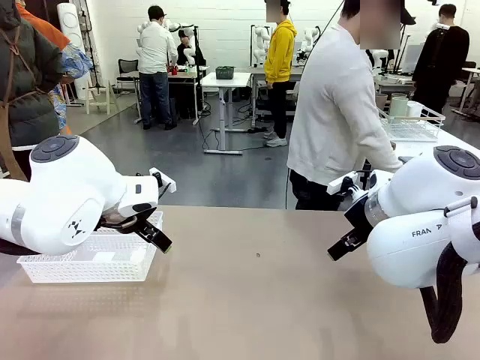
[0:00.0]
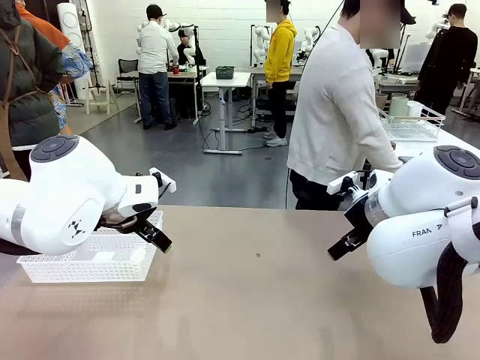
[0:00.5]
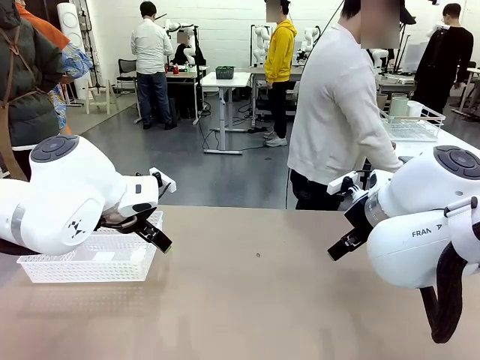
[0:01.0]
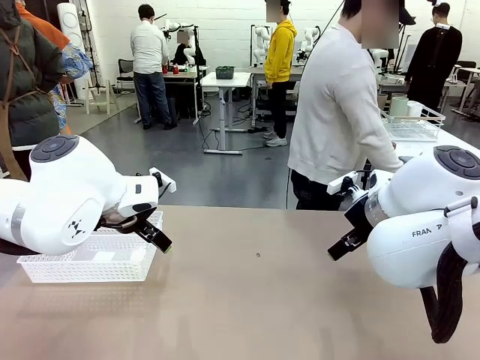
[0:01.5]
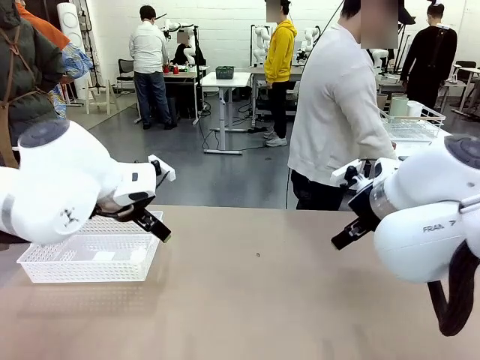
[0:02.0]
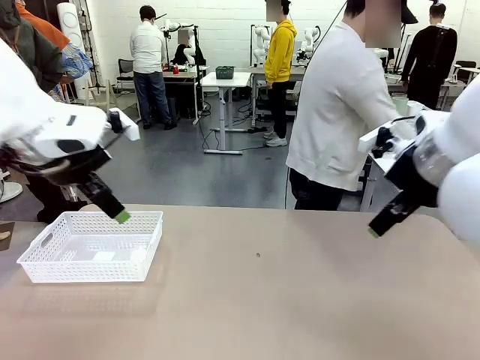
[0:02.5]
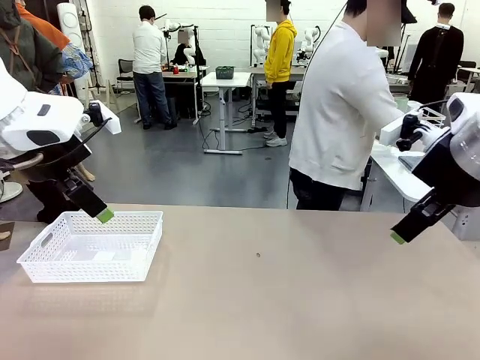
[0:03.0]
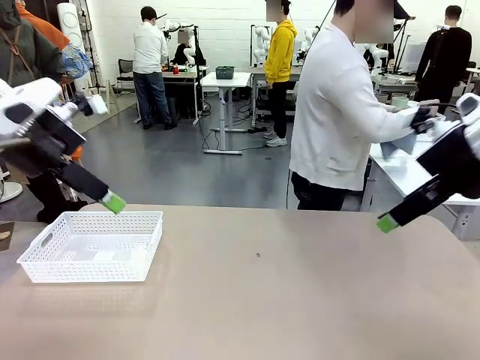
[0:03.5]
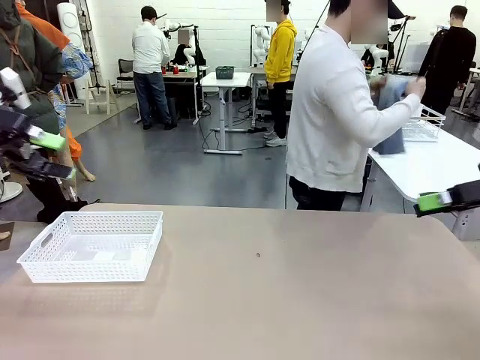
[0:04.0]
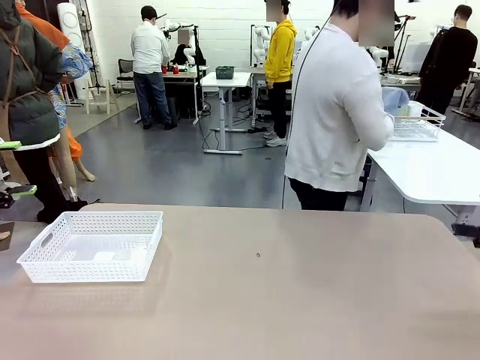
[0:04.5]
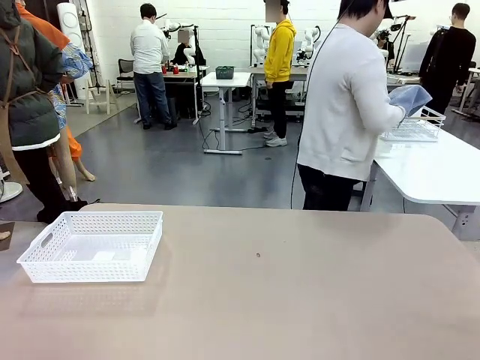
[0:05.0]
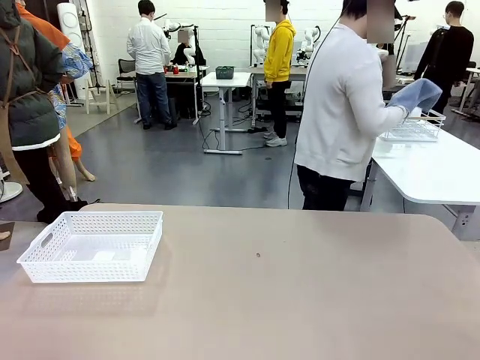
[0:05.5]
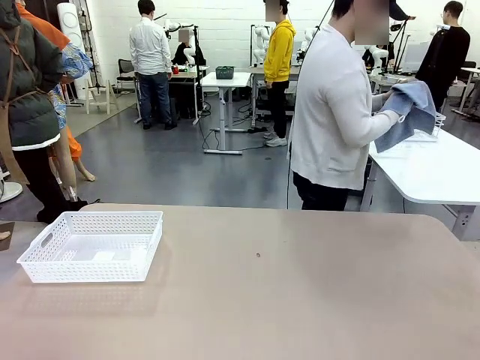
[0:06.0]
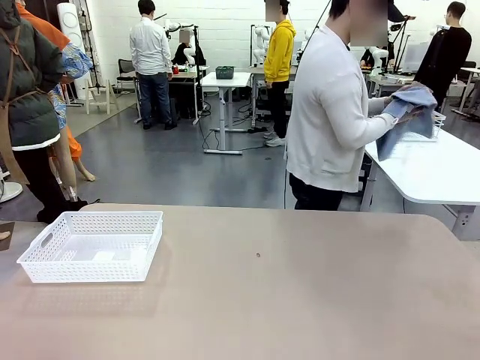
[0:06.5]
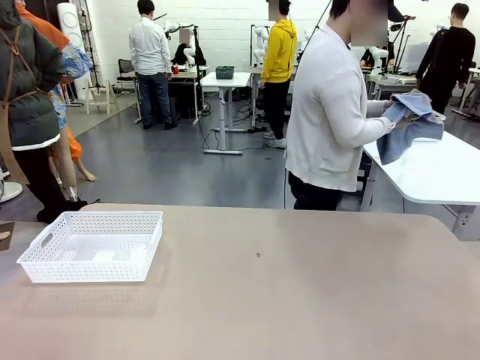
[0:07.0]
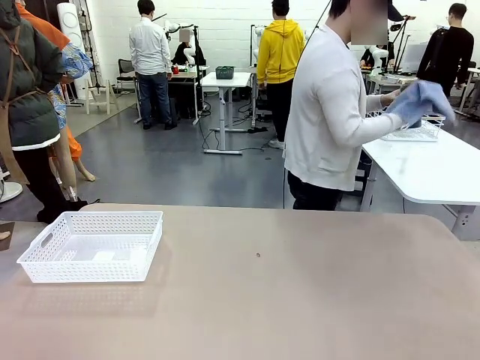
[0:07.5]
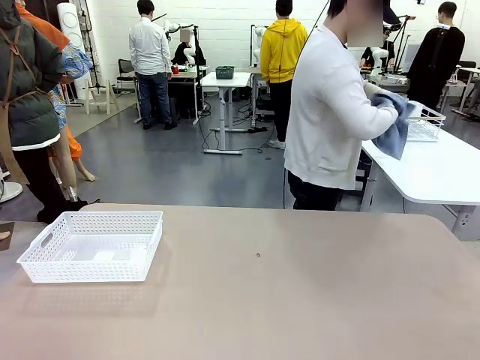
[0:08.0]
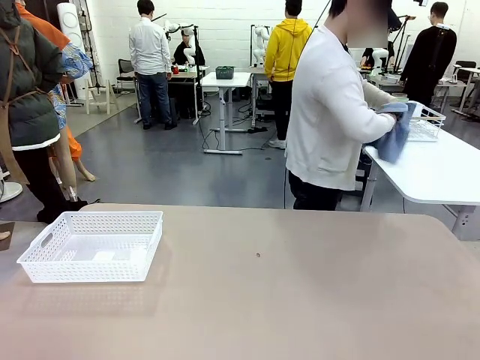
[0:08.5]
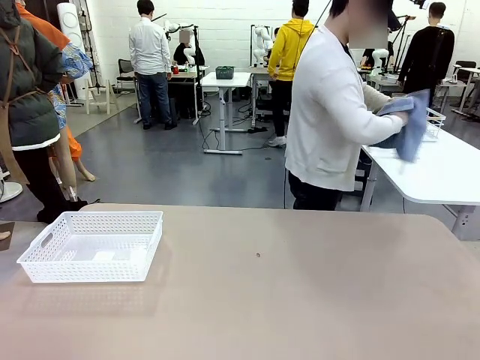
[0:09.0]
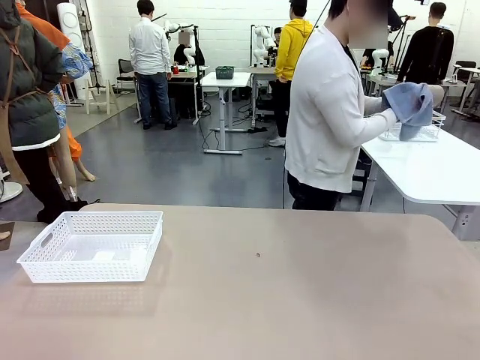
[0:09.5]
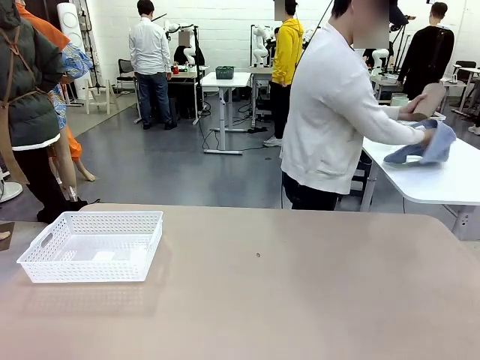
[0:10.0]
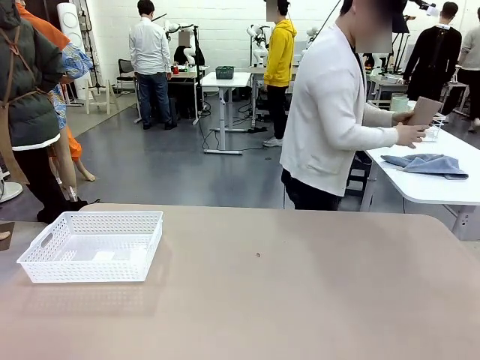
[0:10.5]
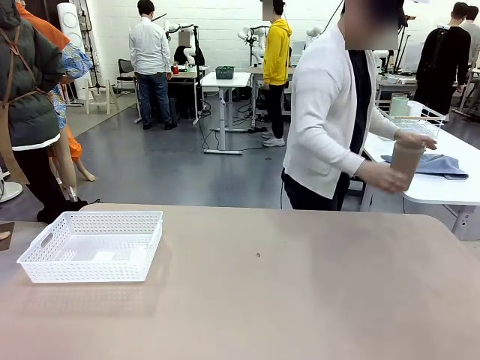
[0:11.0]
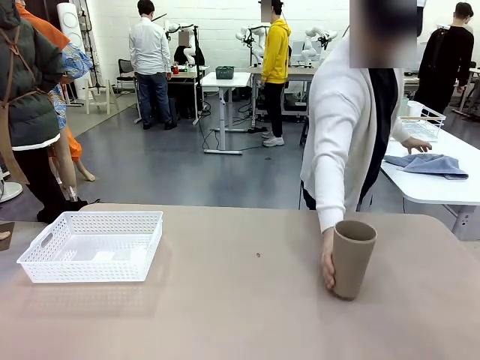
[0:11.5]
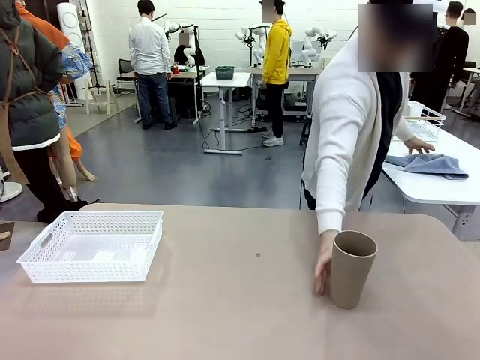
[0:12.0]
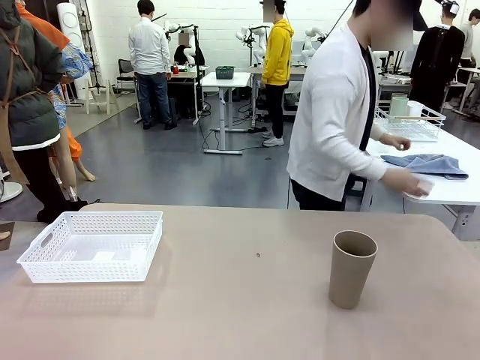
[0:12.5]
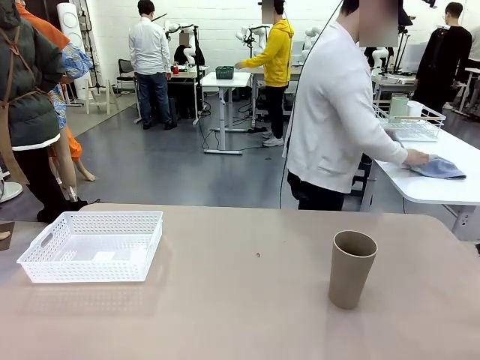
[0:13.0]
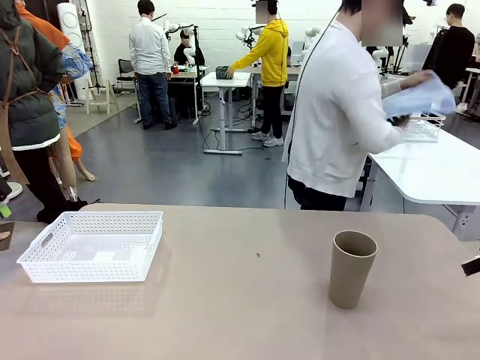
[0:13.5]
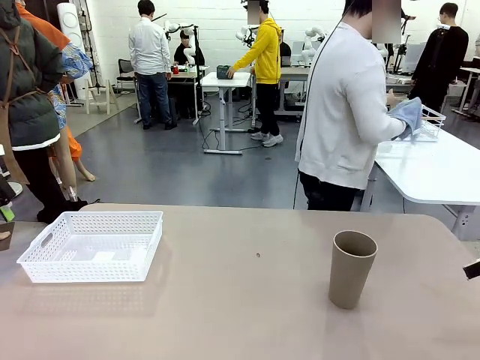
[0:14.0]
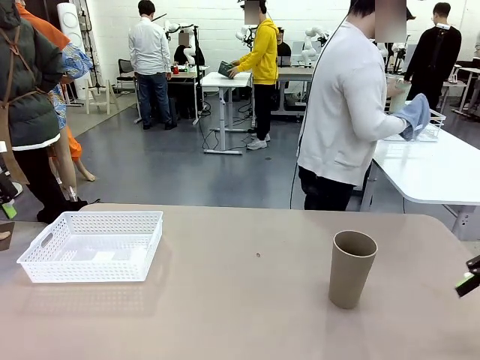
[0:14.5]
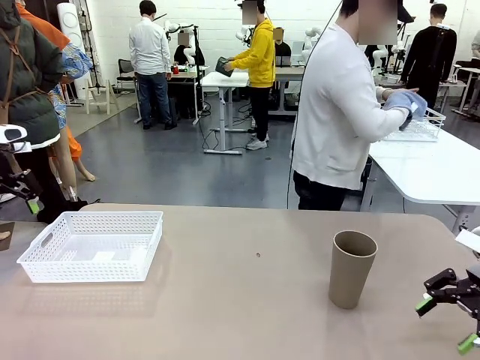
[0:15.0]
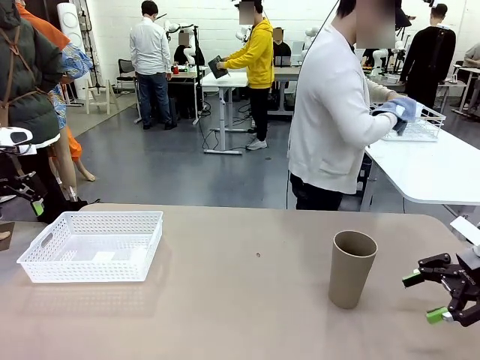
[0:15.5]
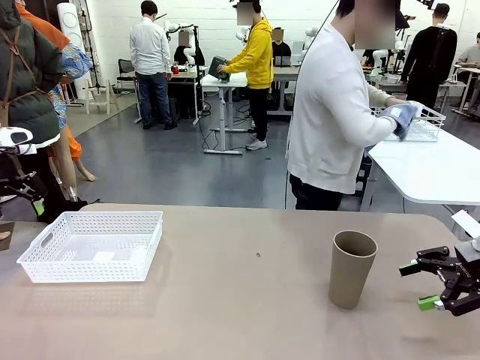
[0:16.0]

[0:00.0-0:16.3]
Task: Clean and organize the cups into the basket.
Robot: Pick up the Organizing basket and move it to the center of the table, then pick up the Reusable plastic cup from the right side of the table and place it inside the Organizing basket.
Person: Picks up a cup and a towel, cleans the cup with the towel, and places it on the left side of the robot table.

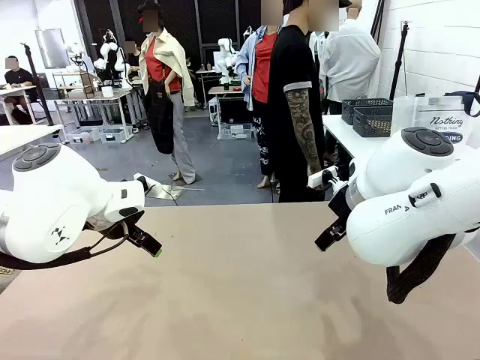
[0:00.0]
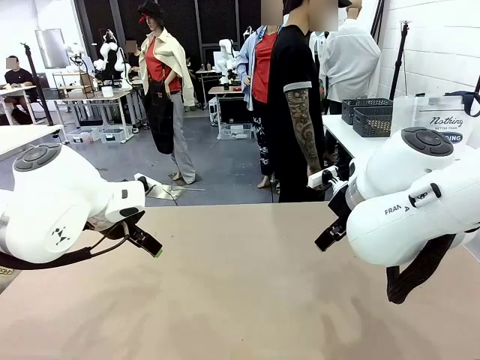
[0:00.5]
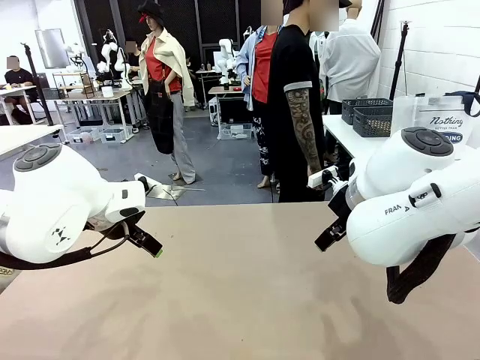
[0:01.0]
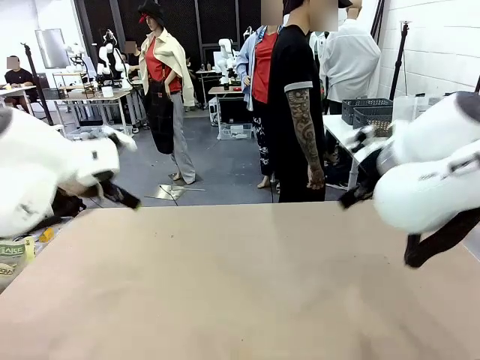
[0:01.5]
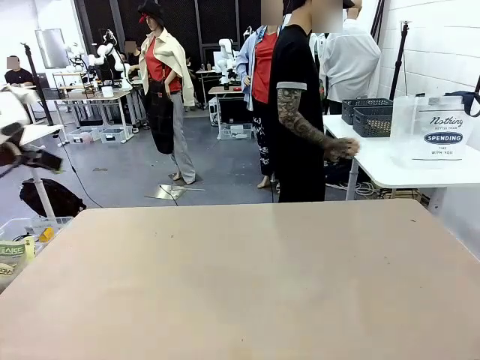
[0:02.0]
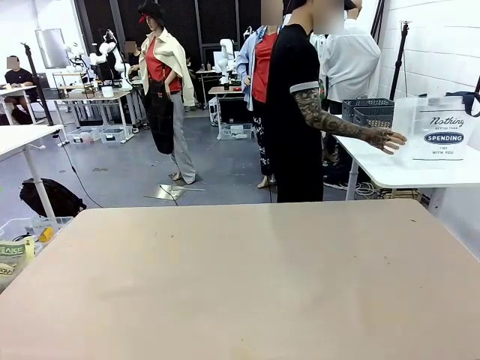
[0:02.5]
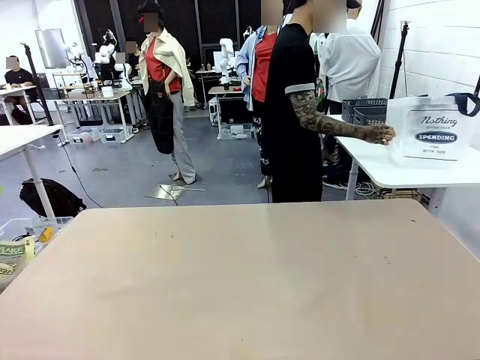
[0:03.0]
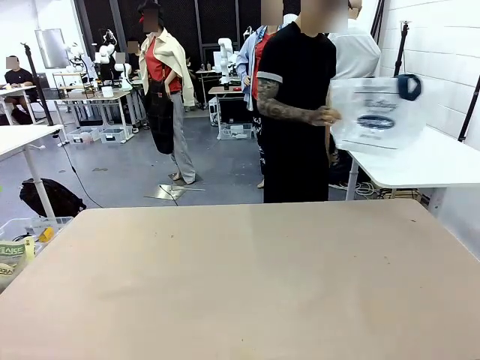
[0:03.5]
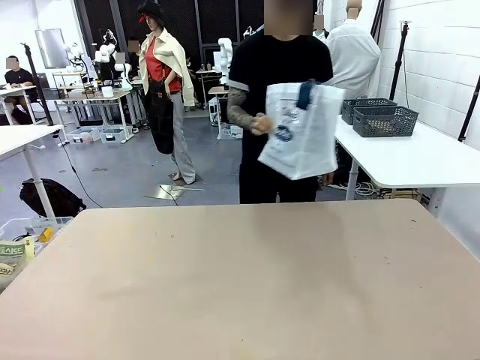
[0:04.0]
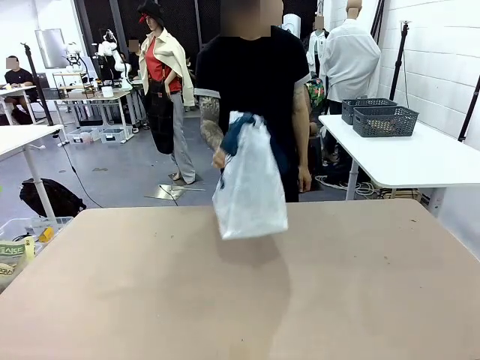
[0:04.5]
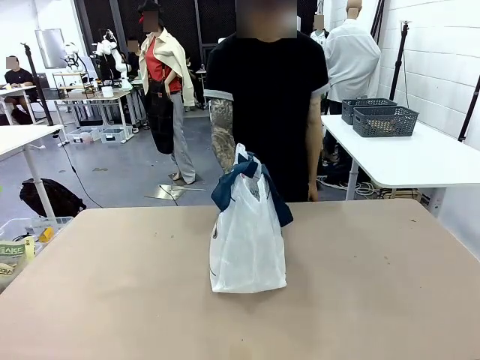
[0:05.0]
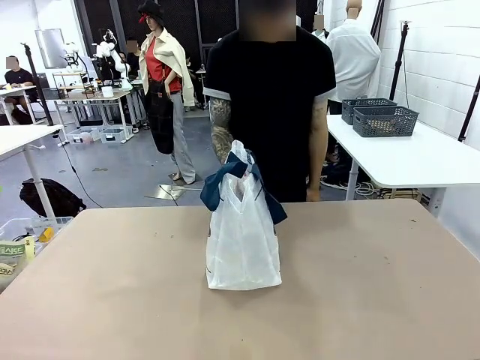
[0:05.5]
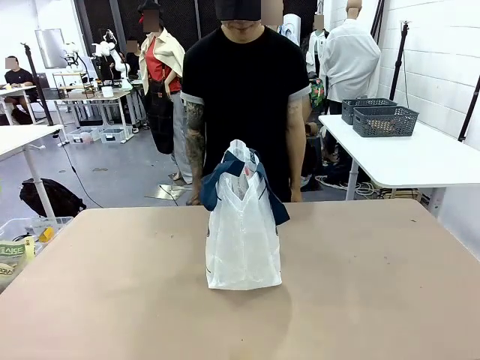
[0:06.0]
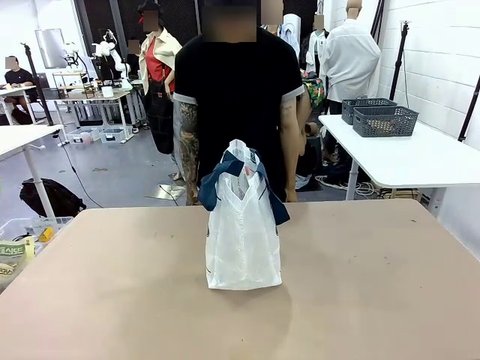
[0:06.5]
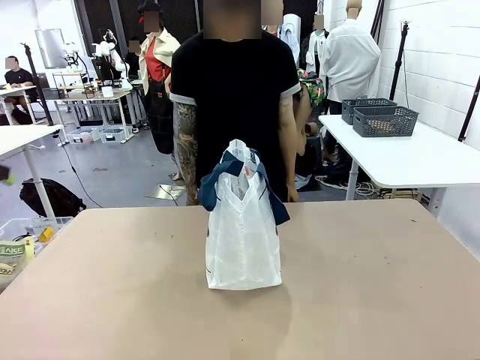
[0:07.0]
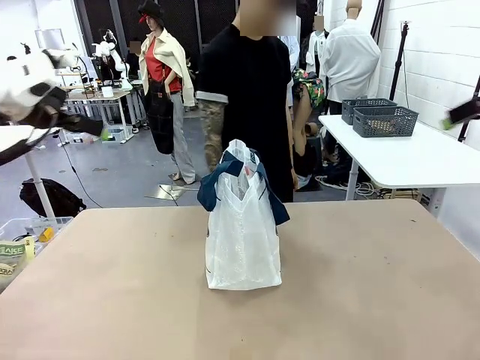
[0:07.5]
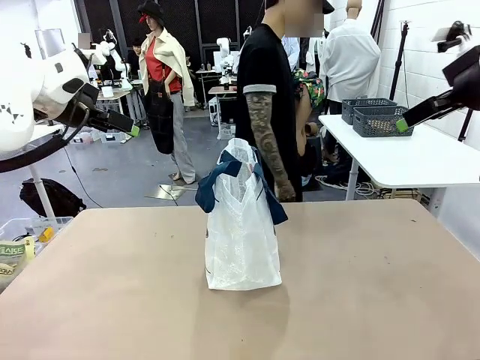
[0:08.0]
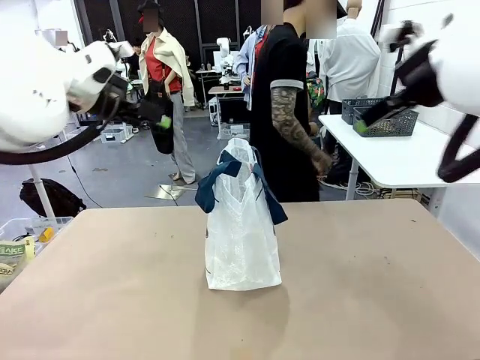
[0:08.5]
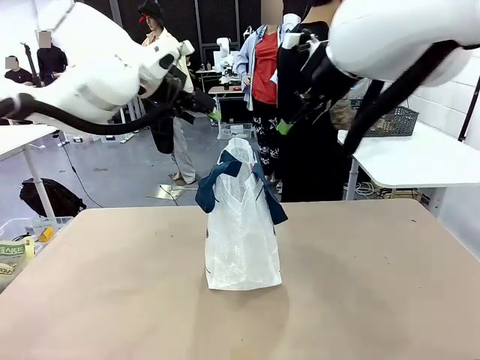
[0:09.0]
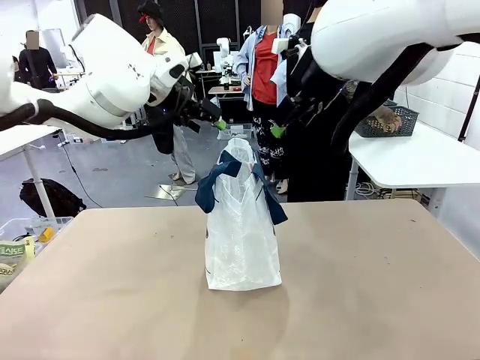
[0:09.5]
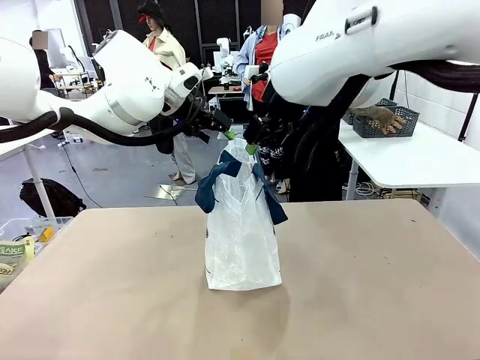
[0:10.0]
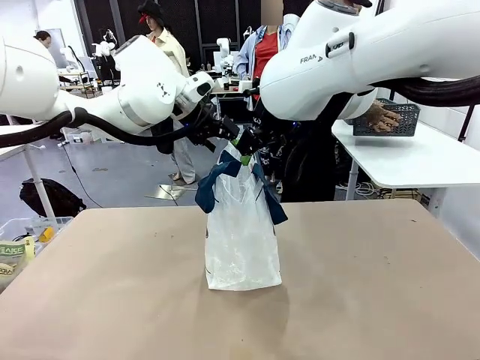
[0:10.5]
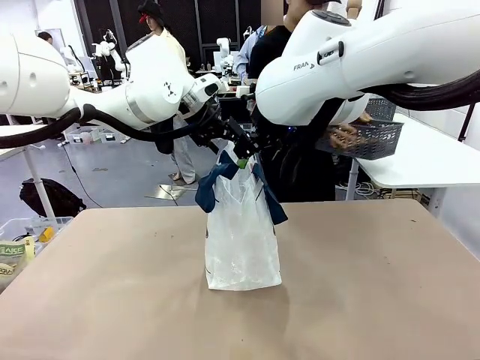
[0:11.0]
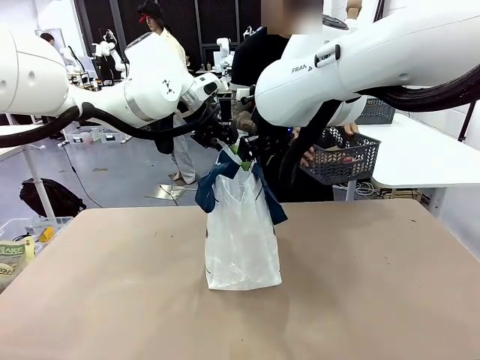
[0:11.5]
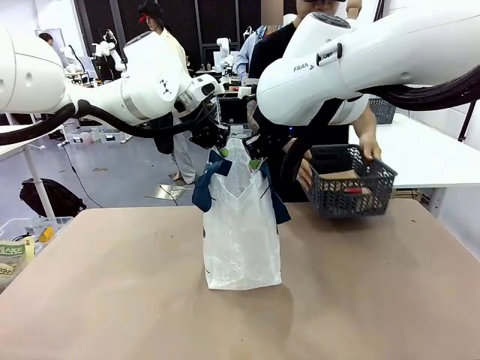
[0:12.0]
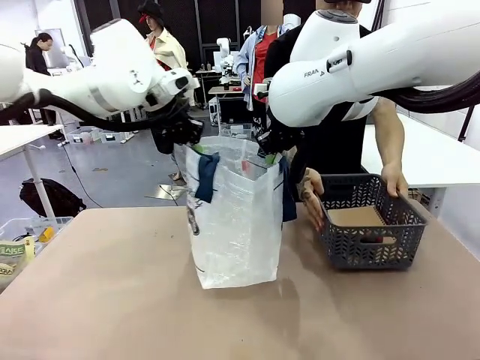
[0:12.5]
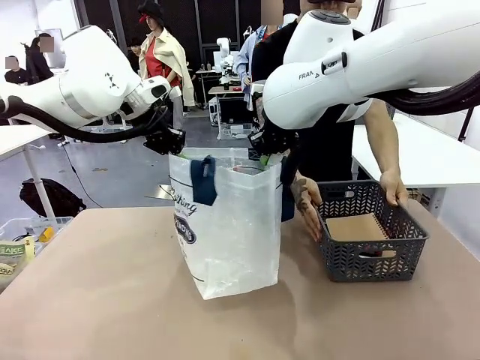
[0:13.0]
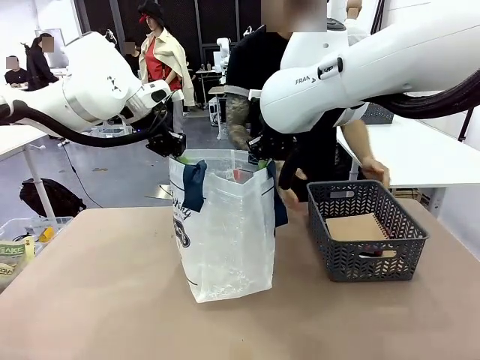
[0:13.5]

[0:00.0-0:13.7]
Task: Transfer purchased items from the store into the shopping bag.
Robot: Open the Reusable shopping bag in the center of the table.
Person: Pick up the shopping bag and place it in the middle of the robot table. Pick up the basket on the right, place it on the left side of the robot table, and move the items in the basket to the shopping bag.
